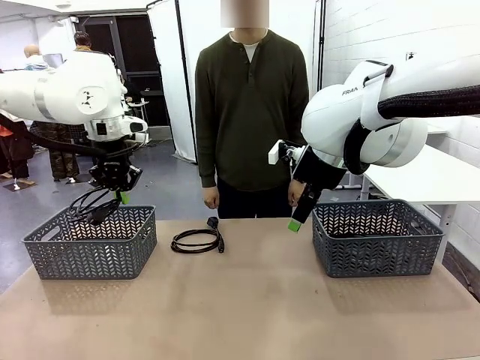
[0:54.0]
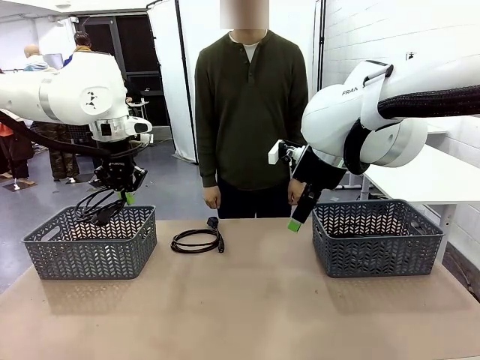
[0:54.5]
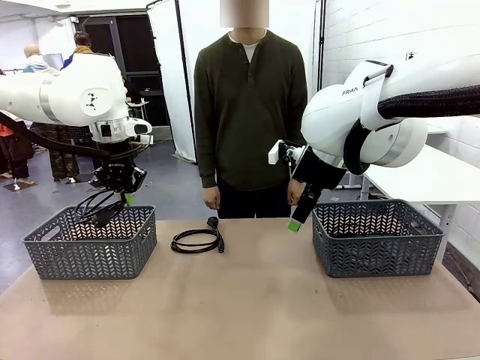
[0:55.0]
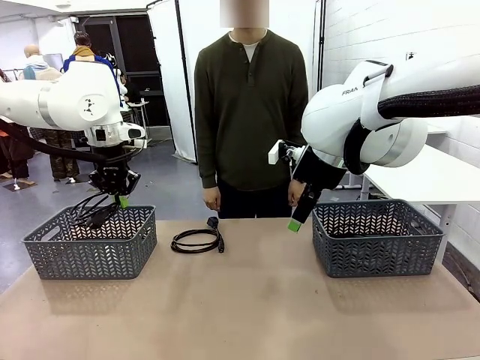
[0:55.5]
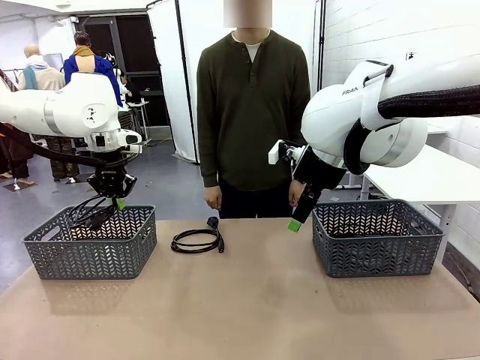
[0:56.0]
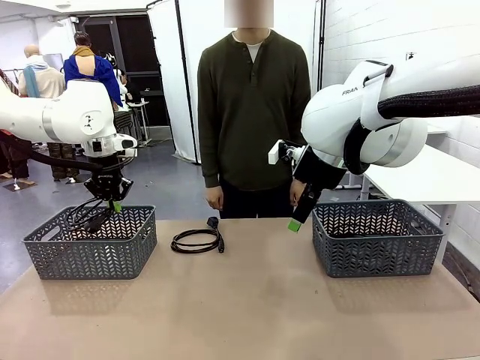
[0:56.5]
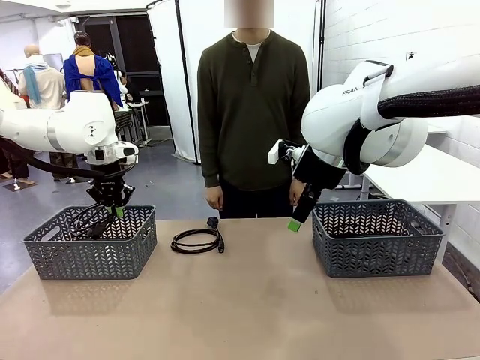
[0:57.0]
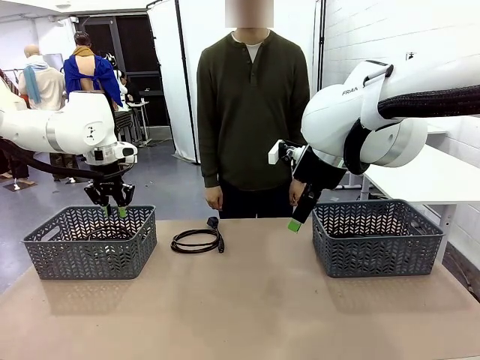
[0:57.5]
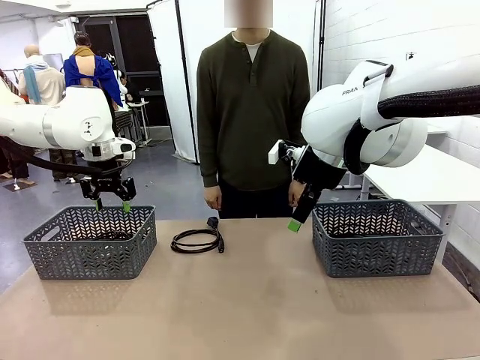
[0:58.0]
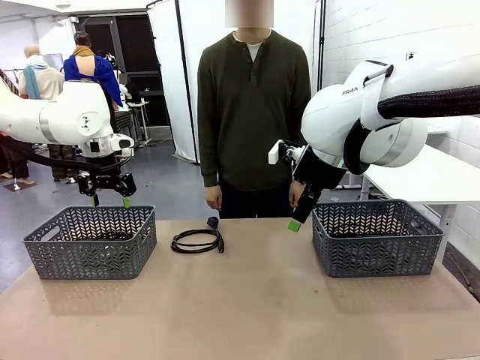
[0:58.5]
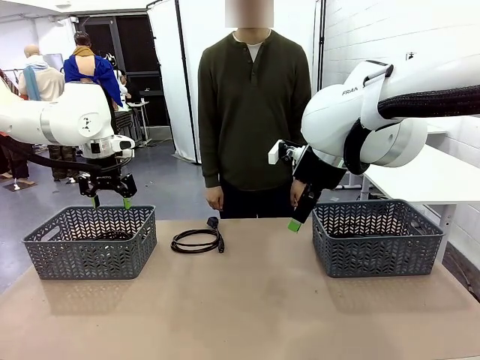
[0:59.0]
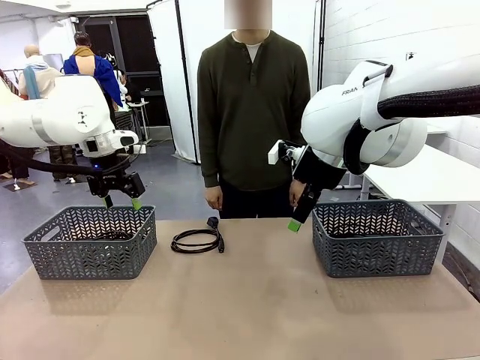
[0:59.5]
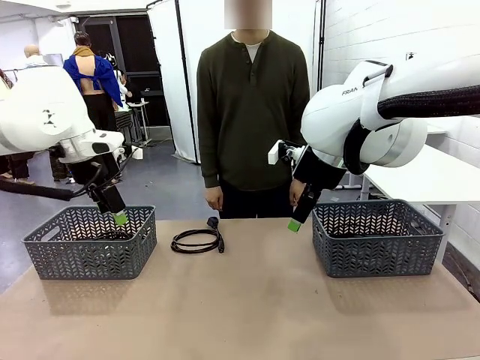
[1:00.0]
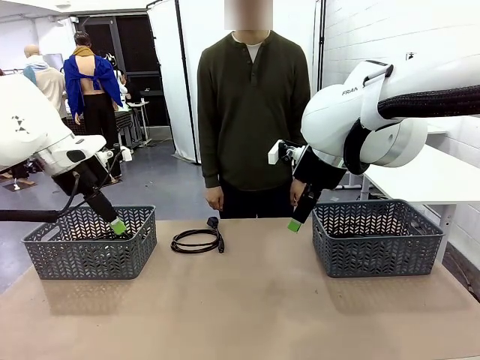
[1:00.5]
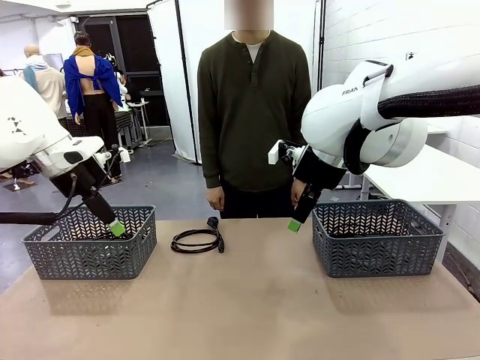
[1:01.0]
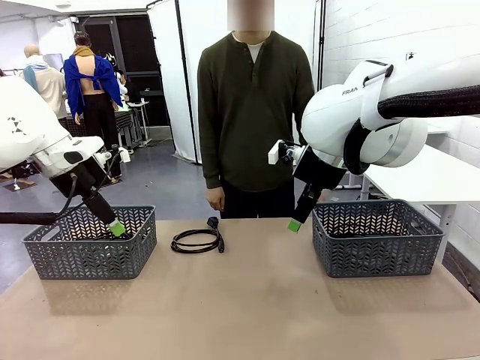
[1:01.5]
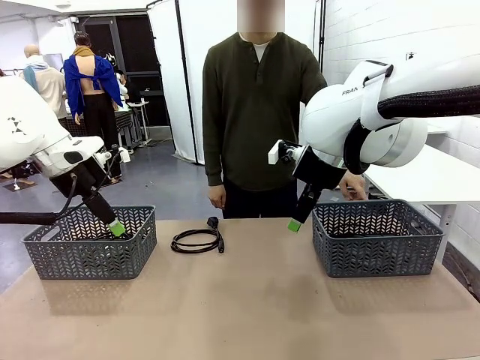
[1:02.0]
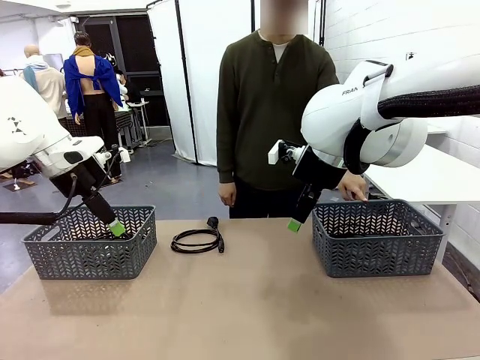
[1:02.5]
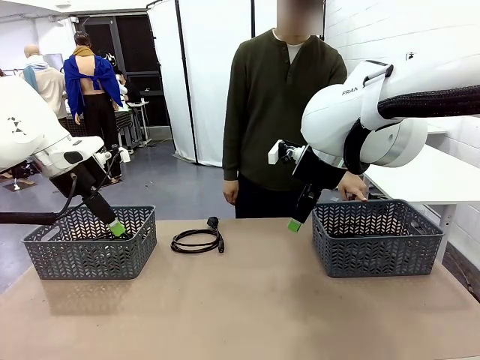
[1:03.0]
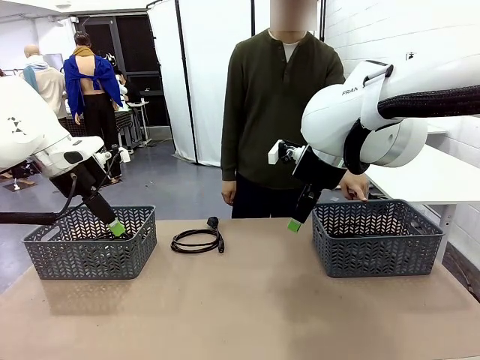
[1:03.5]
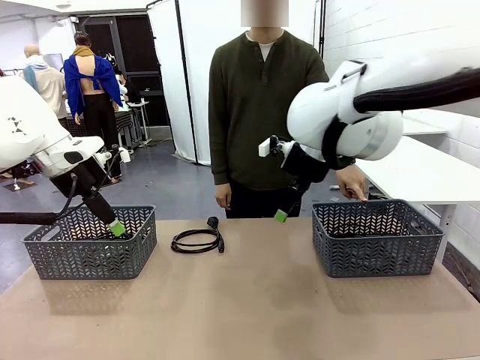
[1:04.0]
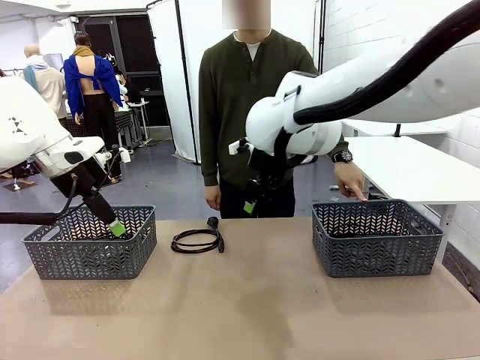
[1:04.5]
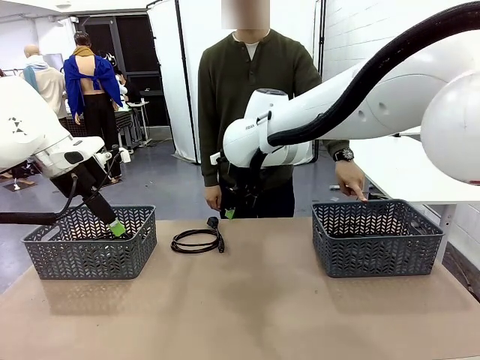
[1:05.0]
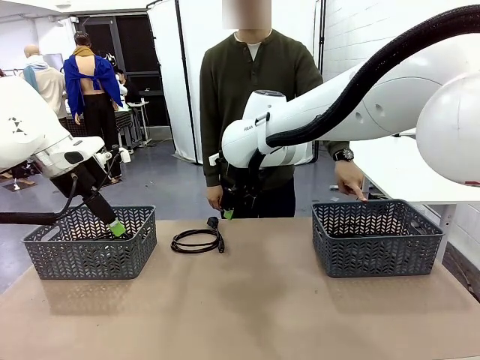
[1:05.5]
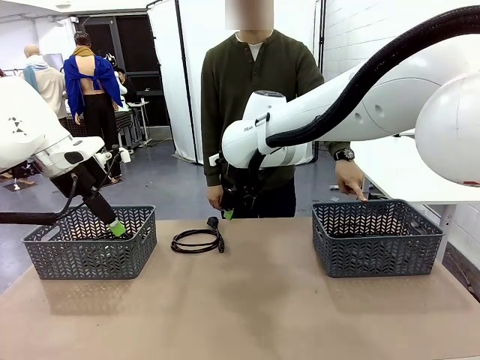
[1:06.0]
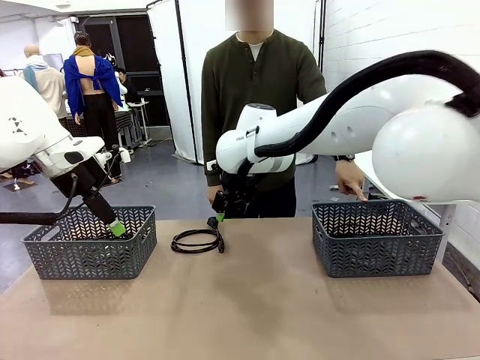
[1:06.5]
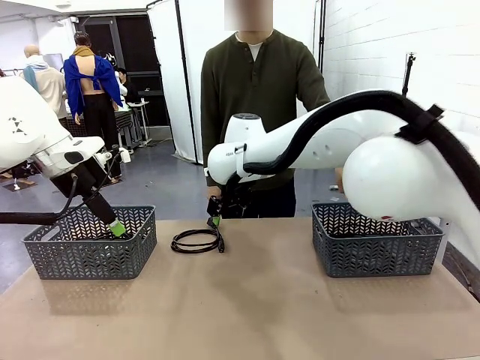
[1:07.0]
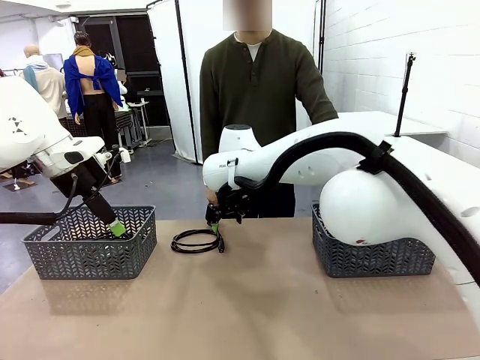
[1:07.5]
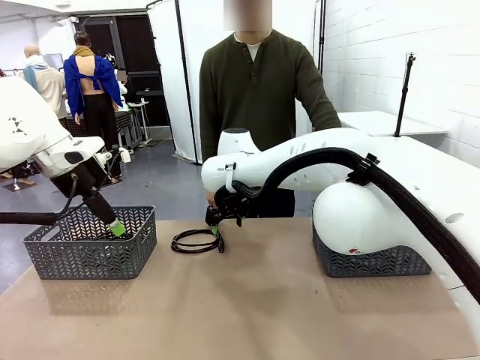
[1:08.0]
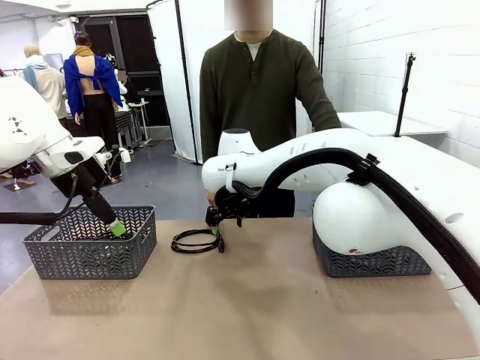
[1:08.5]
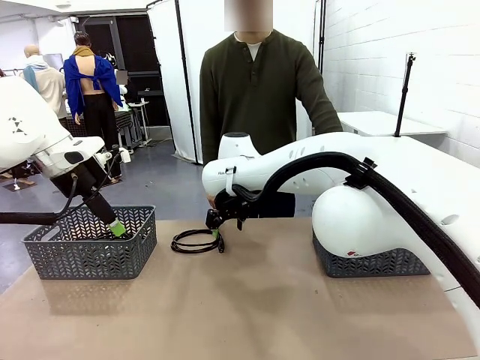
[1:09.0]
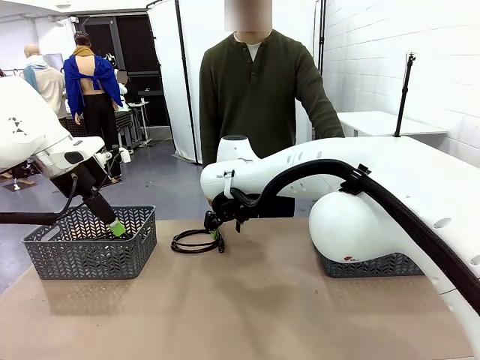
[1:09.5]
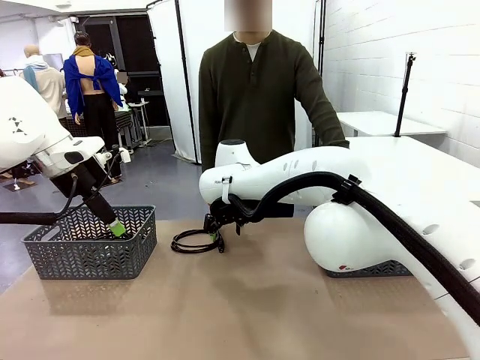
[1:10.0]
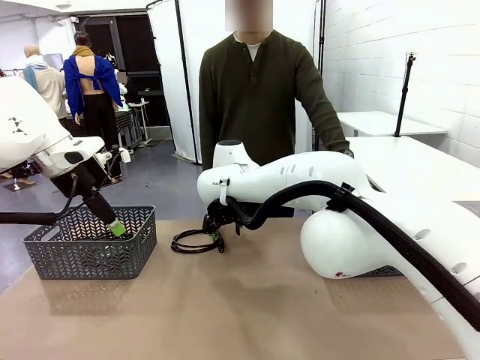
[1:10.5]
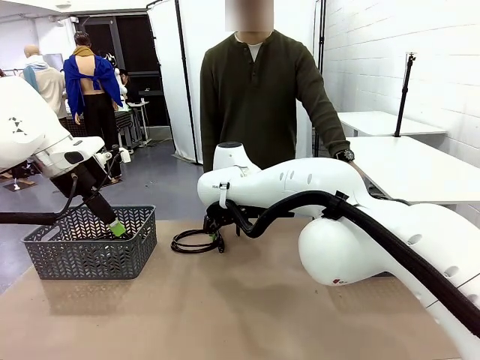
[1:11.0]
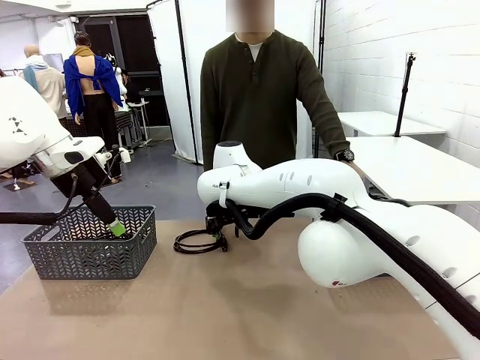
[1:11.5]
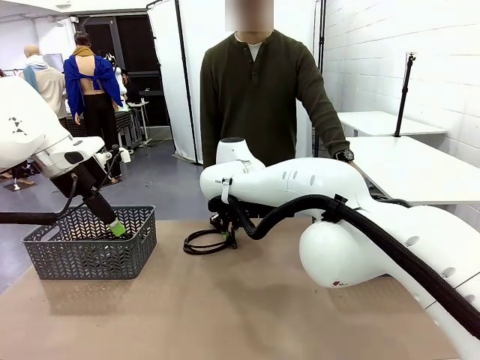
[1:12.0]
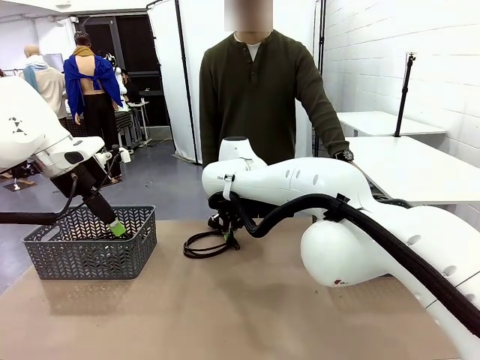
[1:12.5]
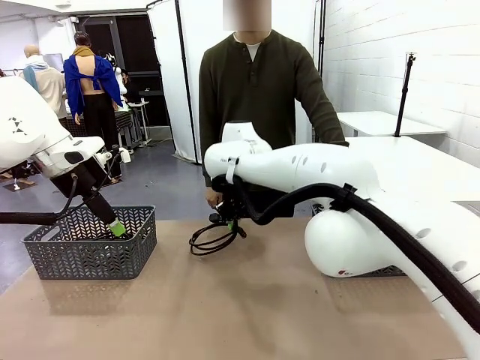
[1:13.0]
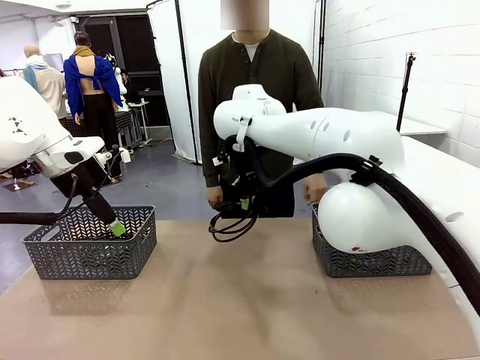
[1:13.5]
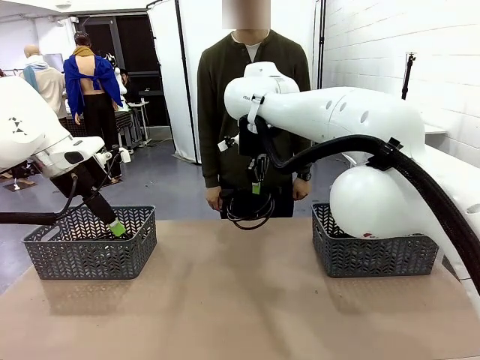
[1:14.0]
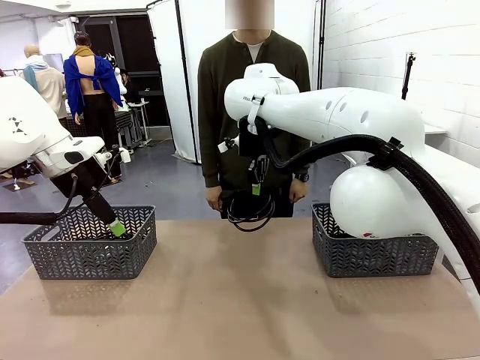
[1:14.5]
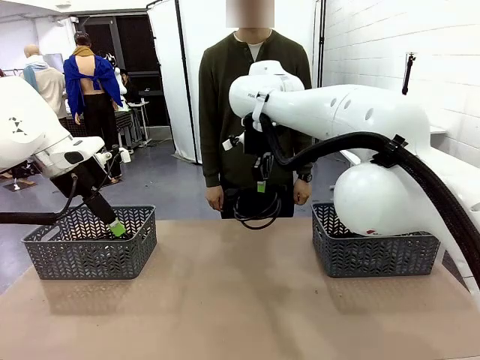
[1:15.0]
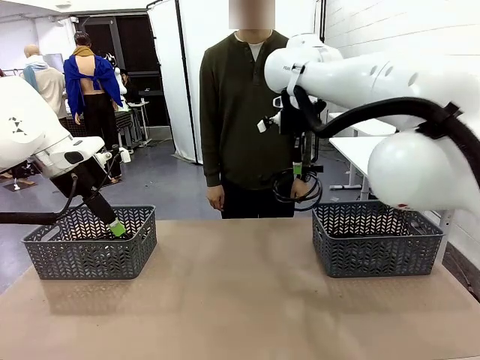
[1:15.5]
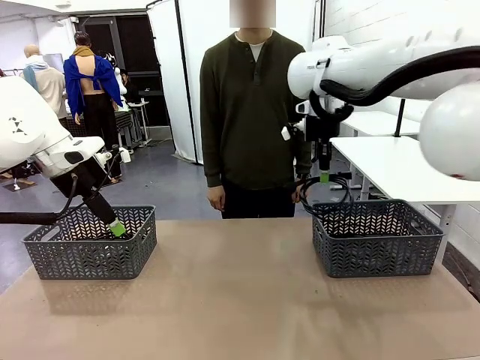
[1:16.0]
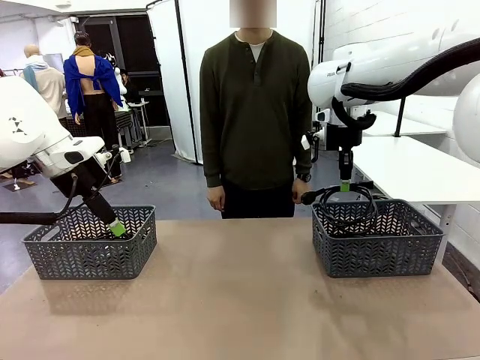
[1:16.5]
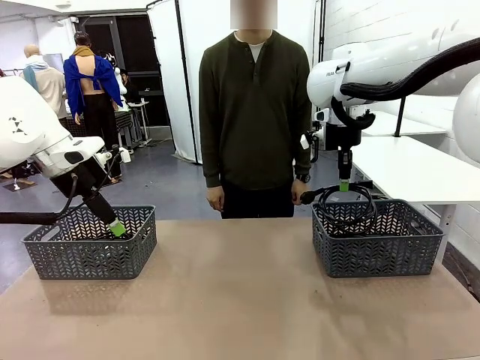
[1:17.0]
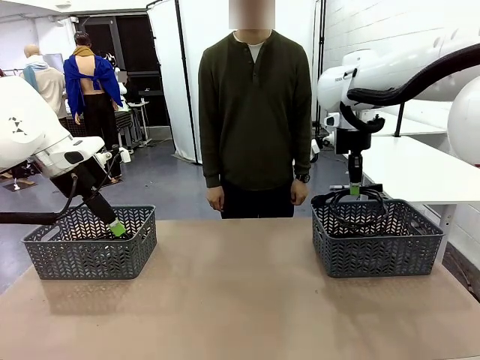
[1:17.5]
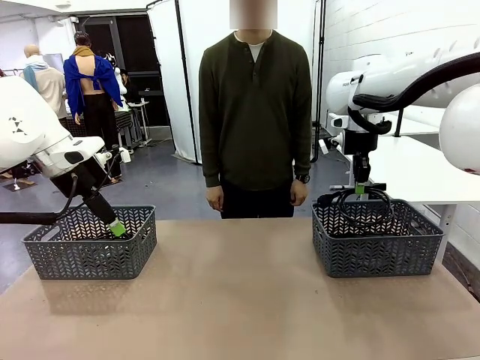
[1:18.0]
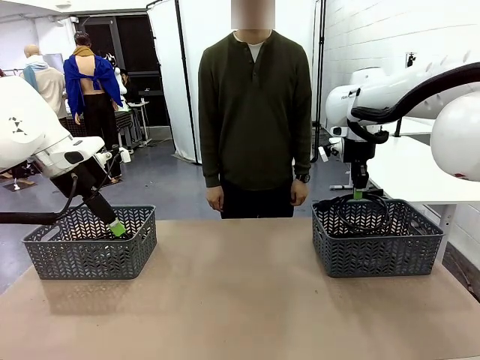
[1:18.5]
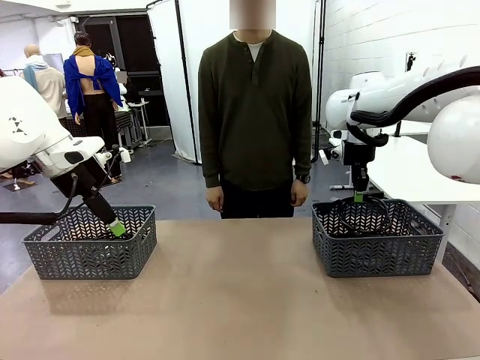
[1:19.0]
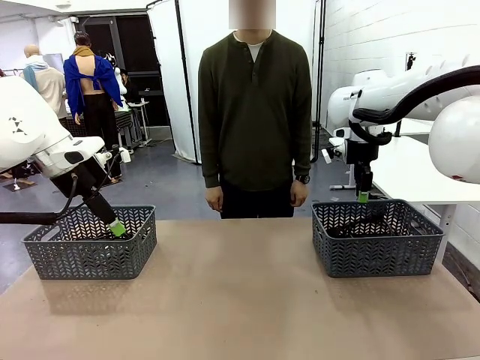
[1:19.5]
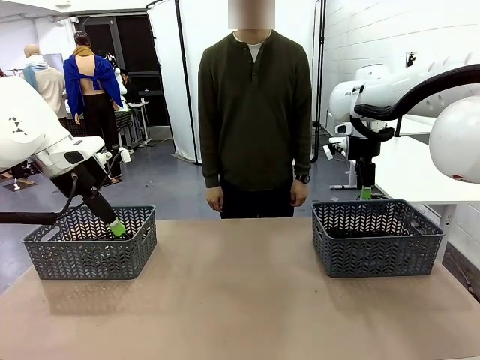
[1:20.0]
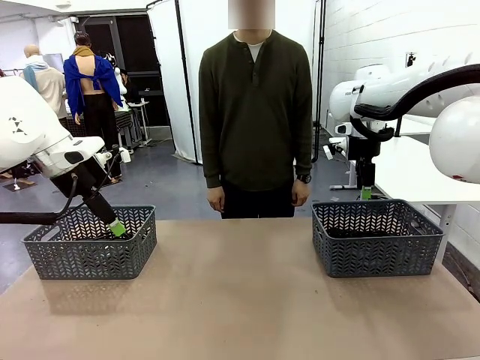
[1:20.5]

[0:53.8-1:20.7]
Task: Organize the cables according to human instructions.
Robot: Pick up a bundle of cables and place it in the basket indicated by the human.
